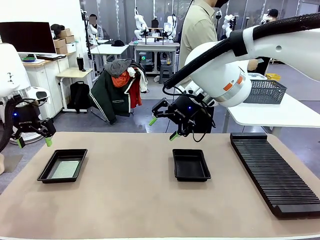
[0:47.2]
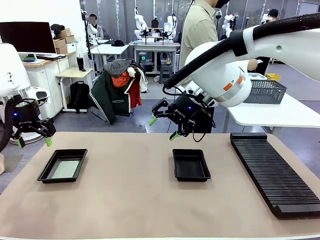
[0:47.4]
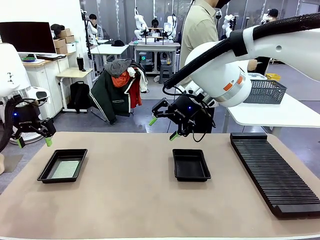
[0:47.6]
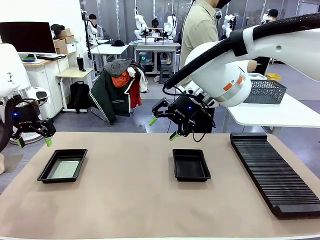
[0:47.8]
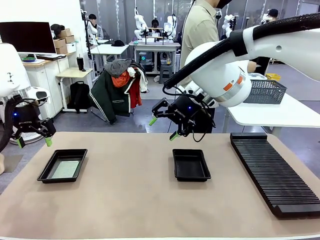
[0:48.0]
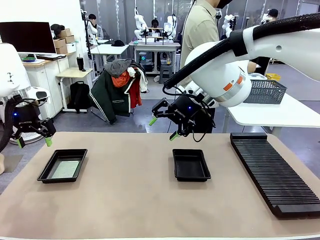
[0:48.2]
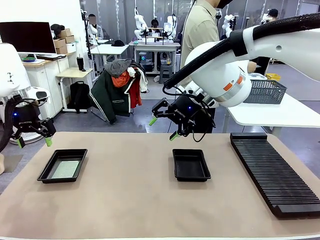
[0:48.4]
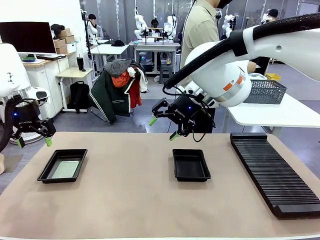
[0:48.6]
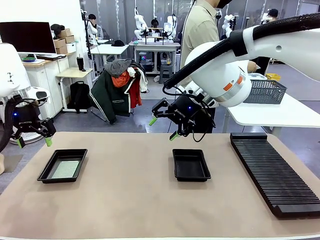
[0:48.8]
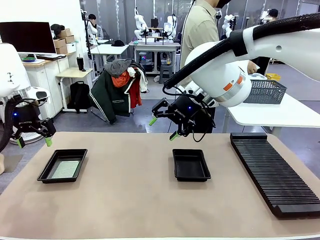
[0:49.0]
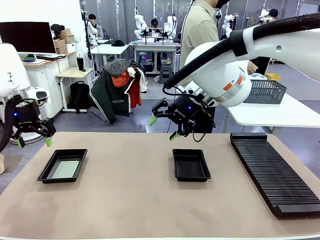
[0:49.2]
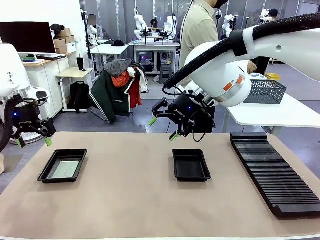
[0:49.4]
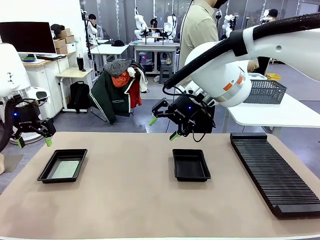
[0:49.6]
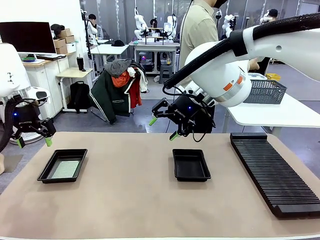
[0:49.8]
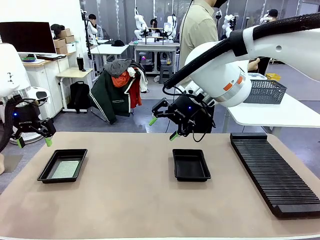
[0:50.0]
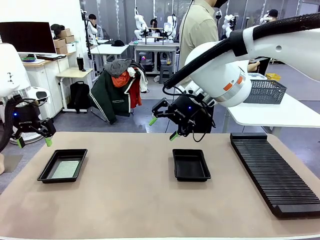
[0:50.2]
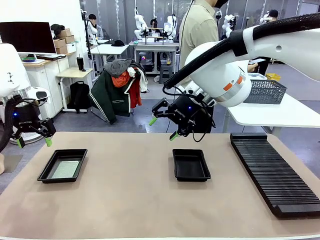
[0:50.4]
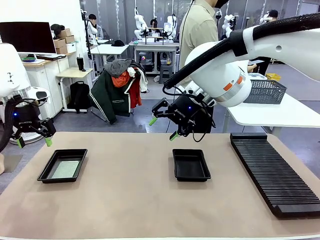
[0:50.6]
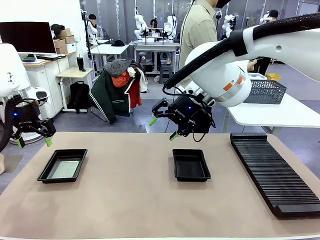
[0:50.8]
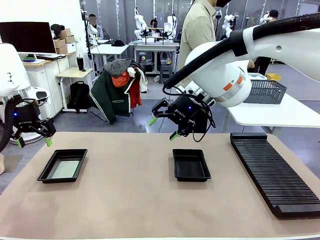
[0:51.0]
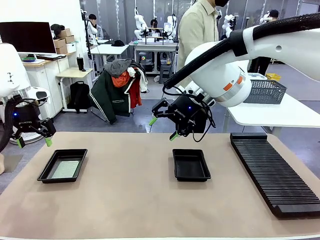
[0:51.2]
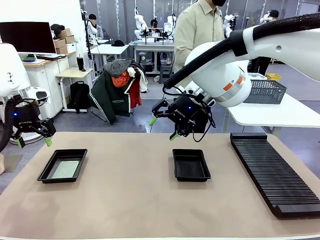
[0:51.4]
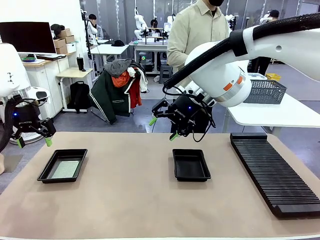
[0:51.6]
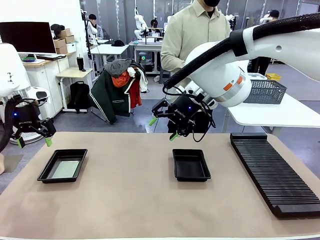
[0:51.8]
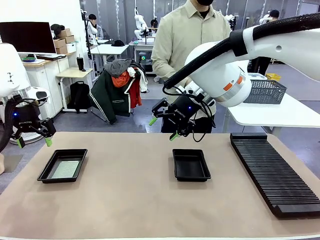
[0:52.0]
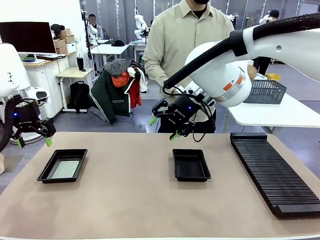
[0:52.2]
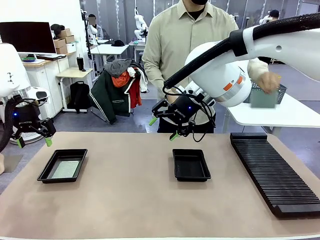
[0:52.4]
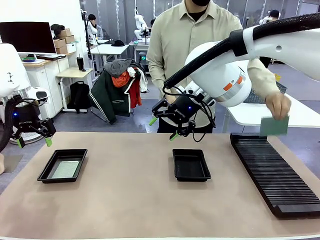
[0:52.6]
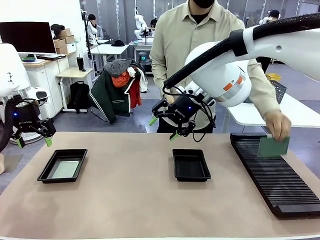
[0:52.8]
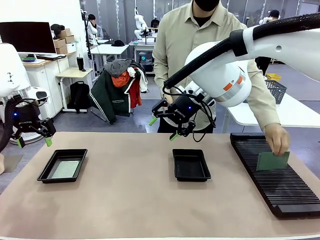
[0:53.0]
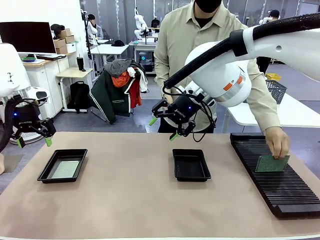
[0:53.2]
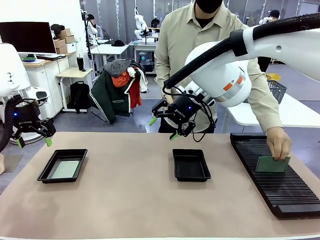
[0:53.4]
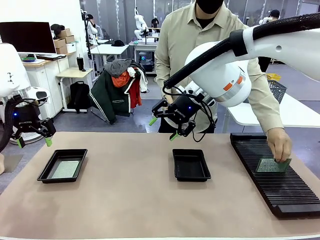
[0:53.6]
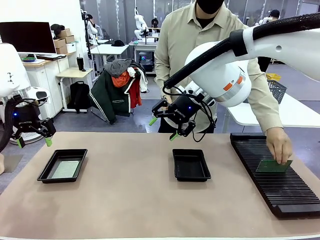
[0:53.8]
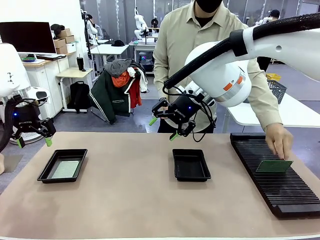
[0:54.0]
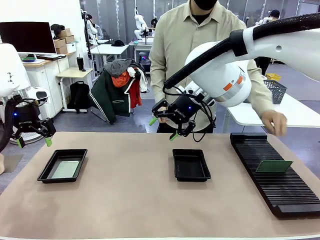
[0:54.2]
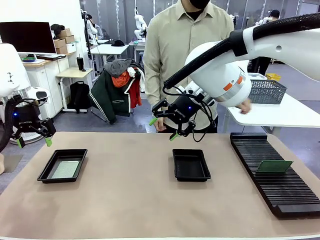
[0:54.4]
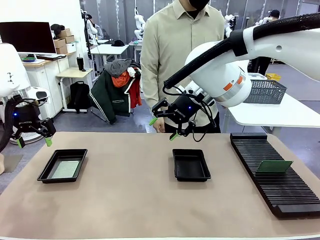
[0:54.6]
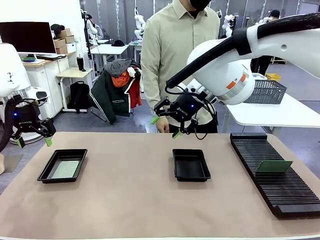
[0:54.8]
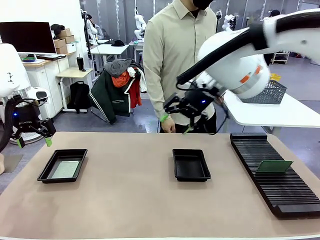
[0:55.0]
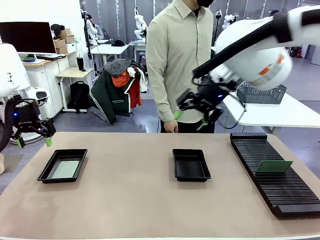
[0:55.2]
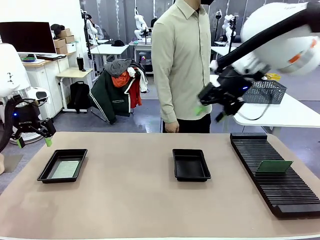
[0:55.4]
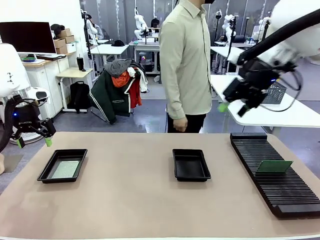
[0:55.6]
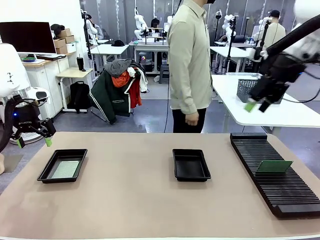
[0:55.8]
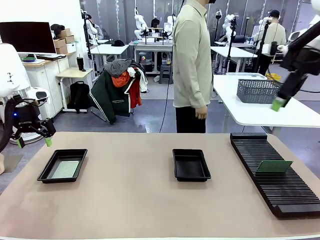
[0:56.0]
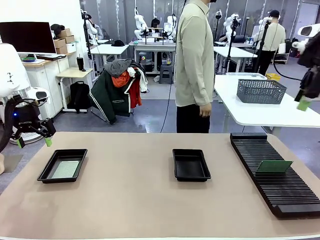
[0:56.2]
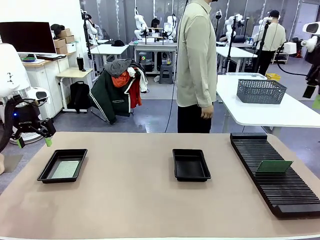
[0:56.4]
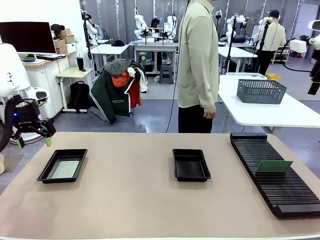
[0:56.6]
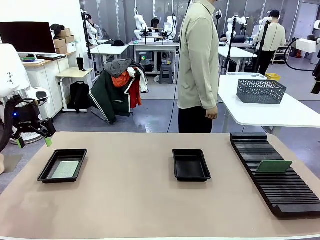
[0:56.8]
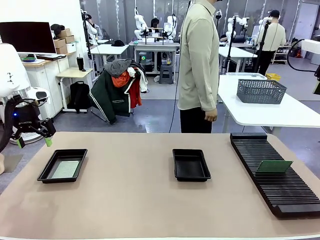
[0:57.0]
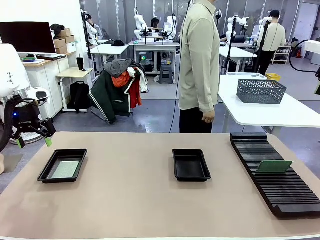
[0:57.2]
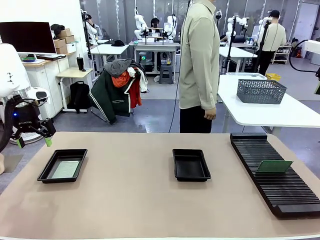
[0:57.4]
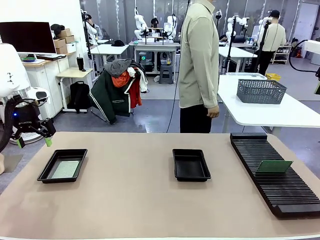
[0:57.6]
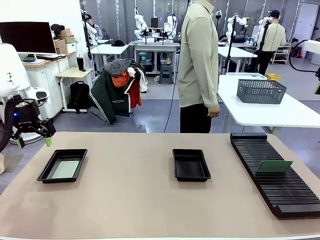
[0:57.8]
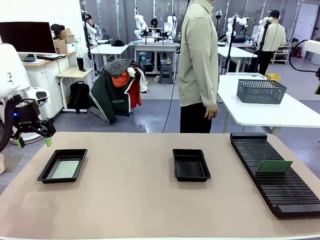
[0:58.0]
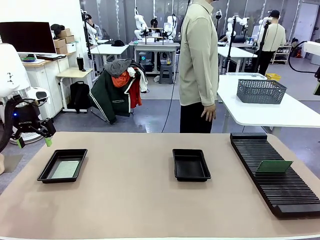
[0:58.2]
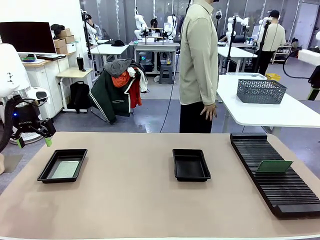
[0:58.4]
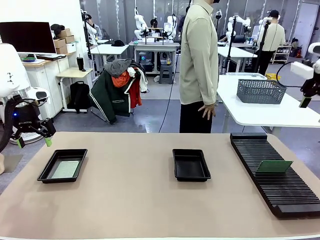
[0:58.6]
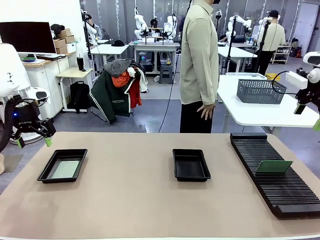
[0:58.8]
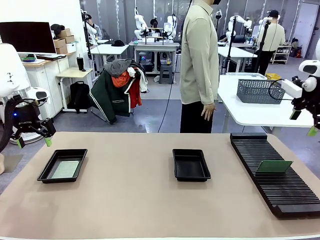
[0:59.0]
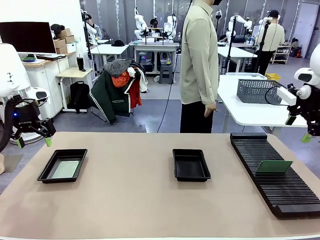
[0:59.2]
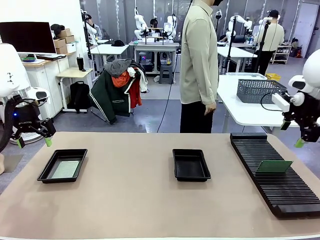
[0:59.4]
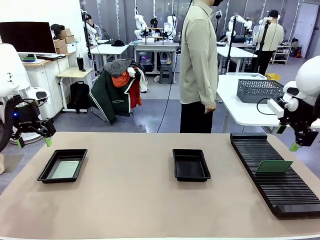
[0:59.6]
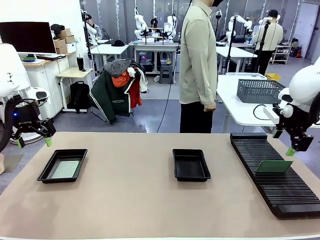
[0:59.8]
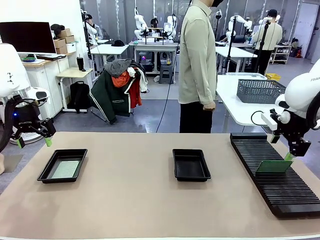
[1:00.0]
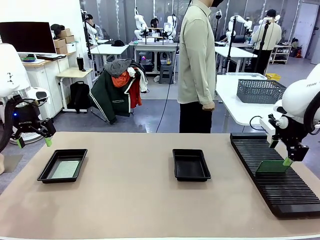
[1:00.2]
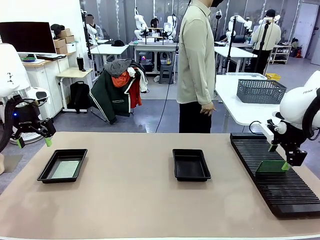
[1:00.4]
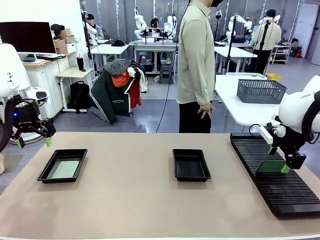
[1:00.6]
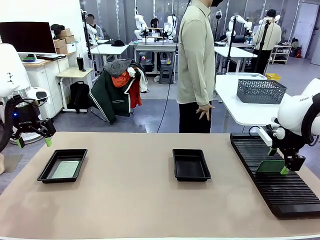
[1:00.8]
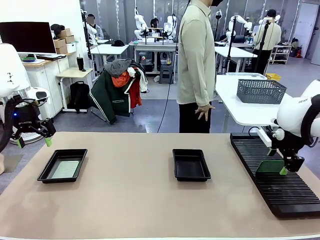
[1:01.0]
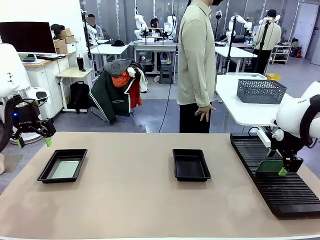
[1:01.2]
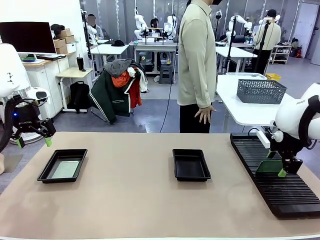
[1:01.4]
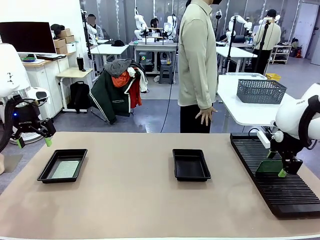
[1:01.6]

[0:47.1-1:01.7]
Task: Inspect and transfer BCBs to ESD trays.
Robot: Pick up the Blank PCB from the PCB Rack and place it in the right ESD tray.
